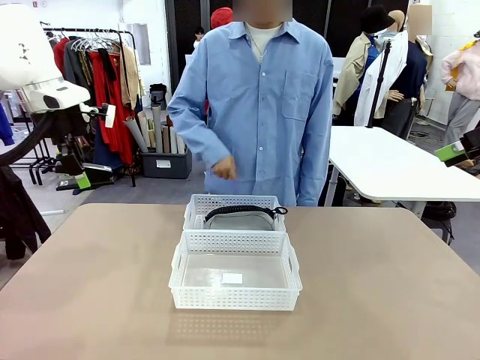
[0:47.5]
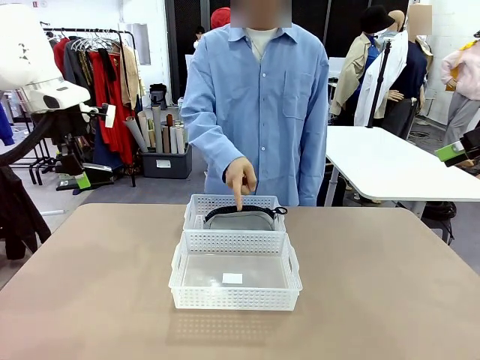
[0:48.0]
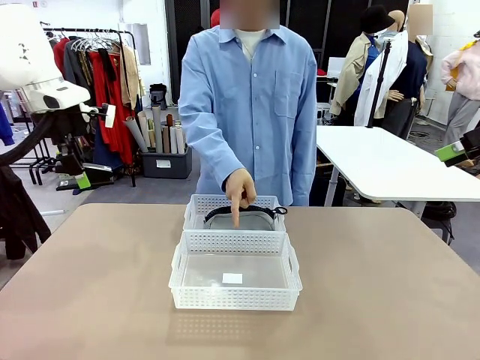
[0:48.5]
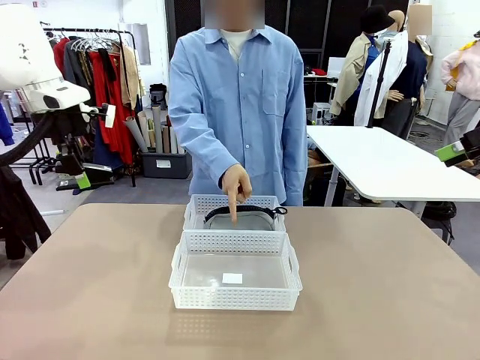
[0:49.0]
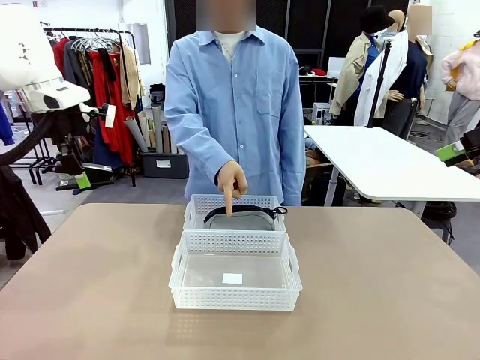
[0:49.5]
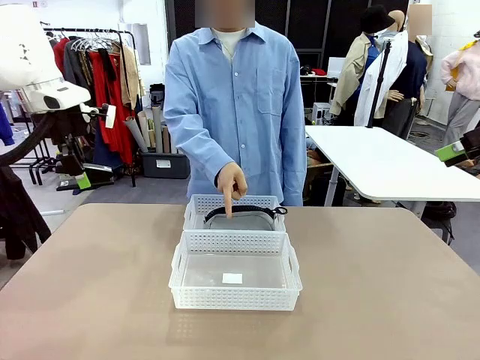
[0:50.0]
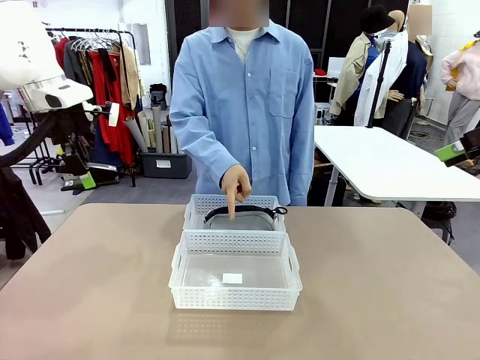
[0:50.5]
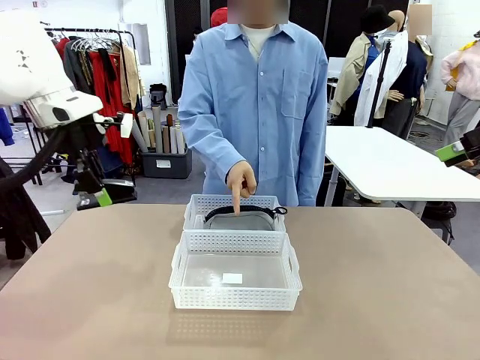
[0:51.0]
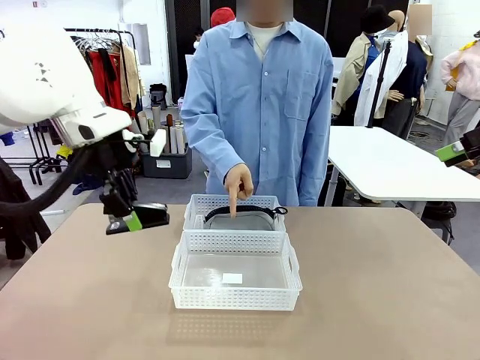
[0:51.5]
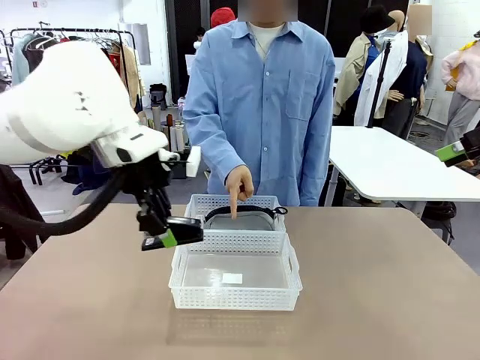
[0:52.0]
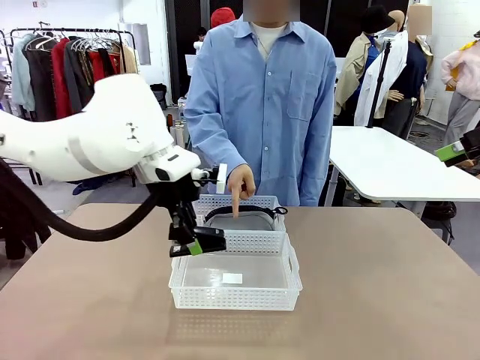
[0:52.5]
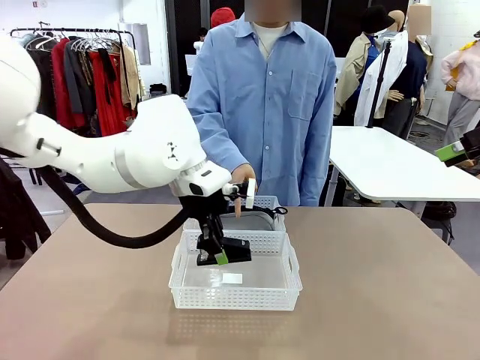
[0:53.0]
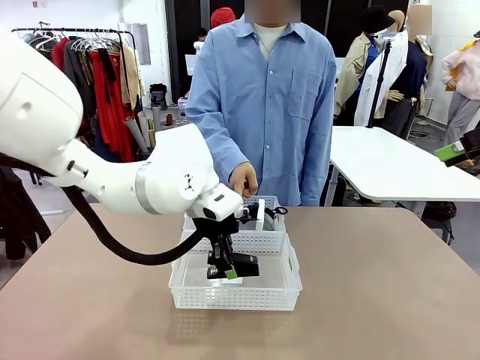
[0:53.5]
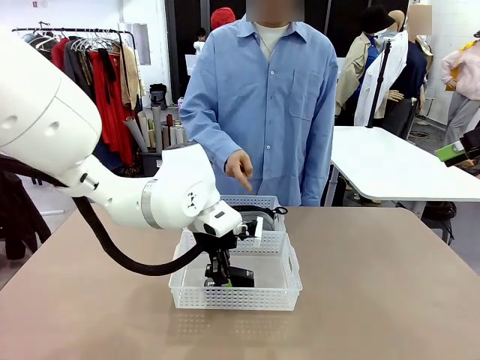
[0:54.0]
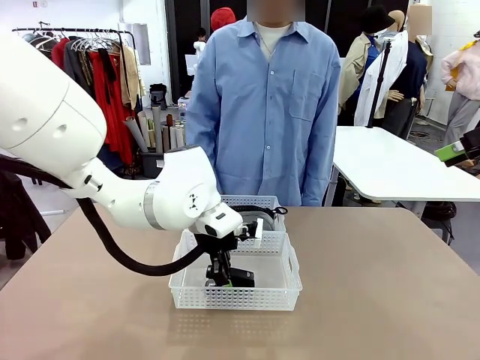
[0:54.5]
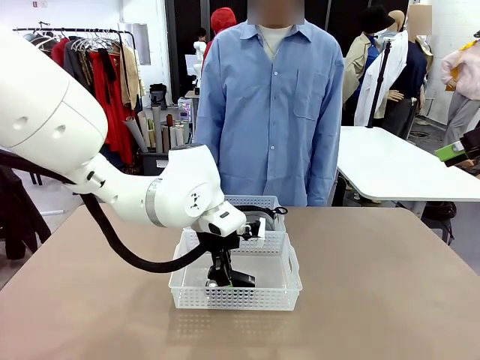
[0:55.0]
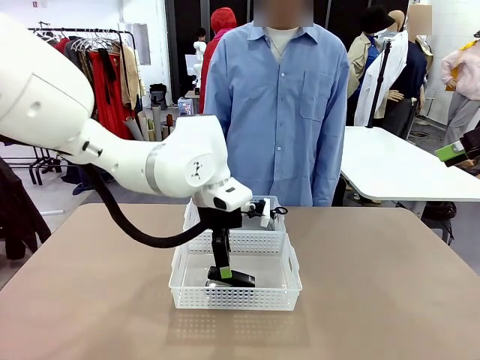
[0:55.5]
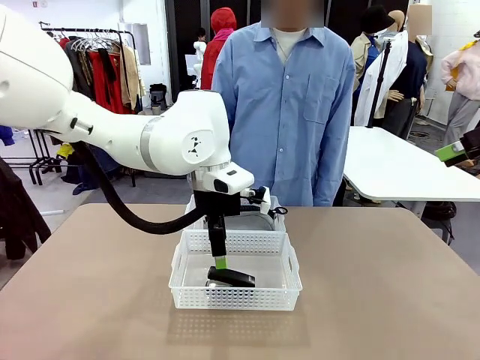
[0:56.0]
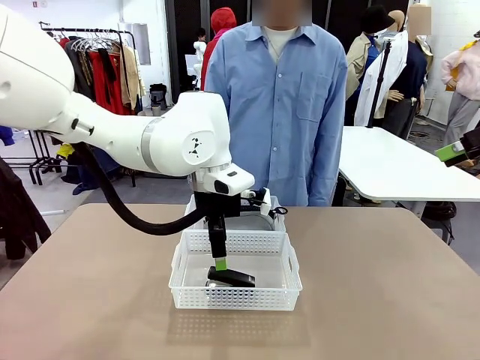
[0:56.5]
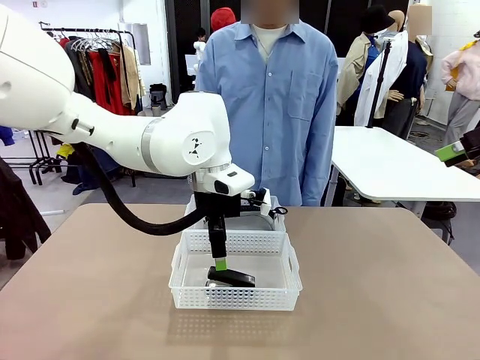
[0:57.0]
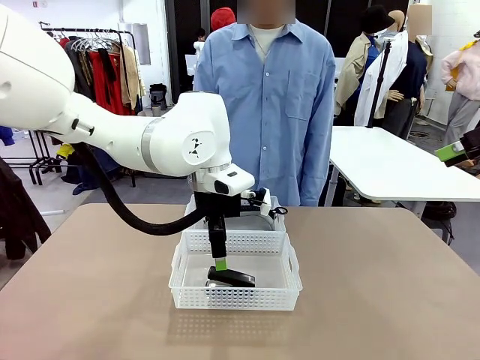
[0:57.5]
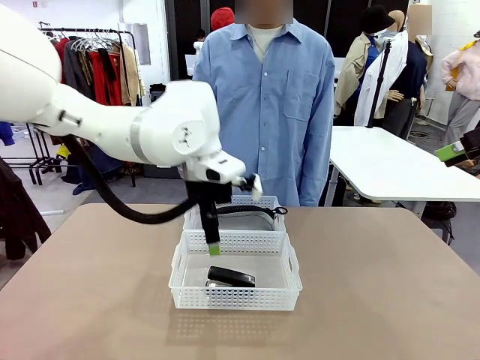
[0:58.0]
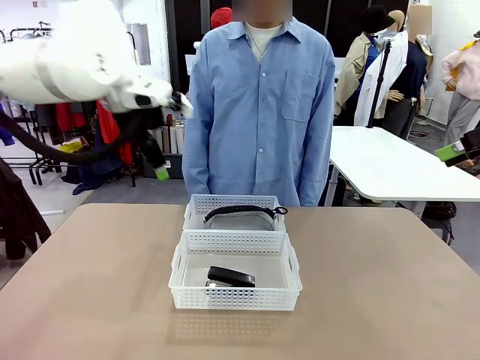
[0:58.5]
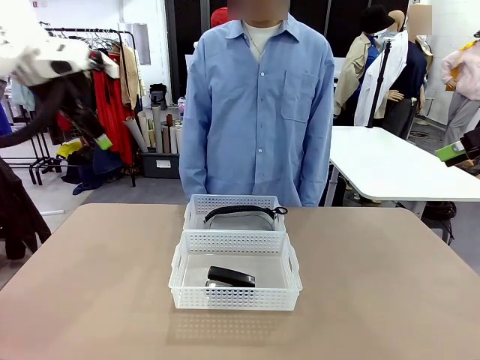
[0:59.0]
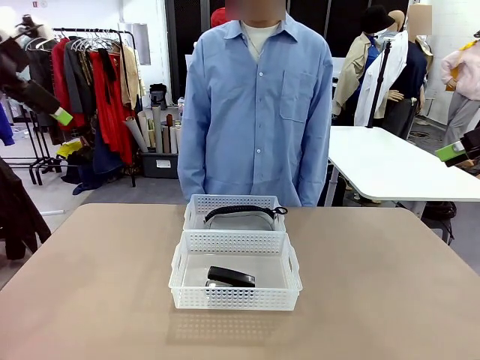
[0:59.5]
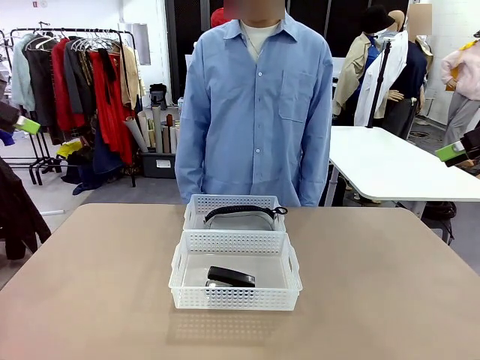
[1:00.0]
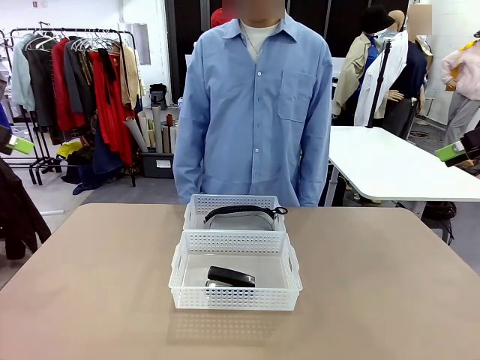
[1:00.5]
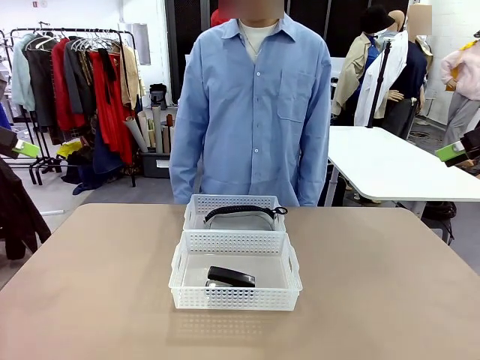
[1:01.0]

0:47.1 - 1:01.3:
Task: Distribute items into two baskets.
Robot: Place the picked Stapler into the Organizing basket as instructed by the person.
Person: Points to the basket that does not contain the pencil case and instructs the robot to move the stapler there.

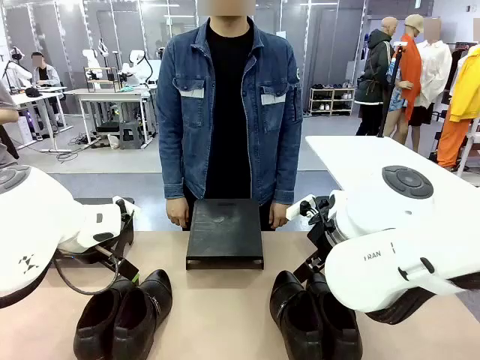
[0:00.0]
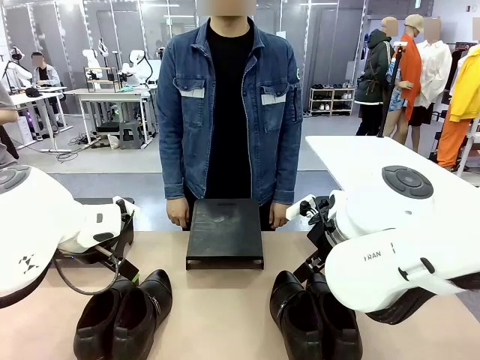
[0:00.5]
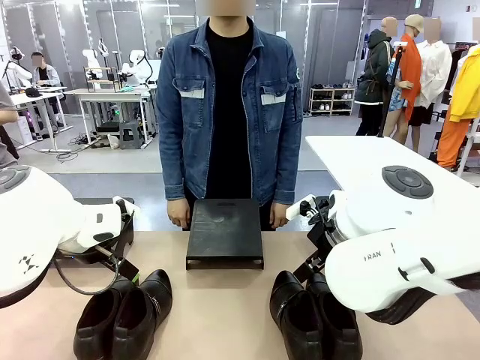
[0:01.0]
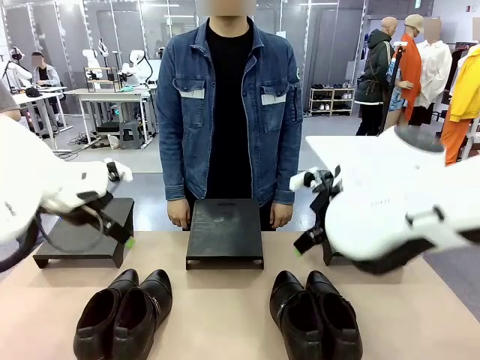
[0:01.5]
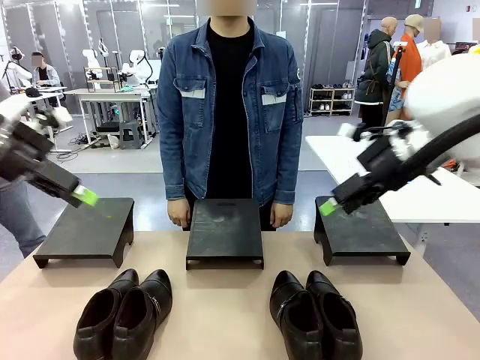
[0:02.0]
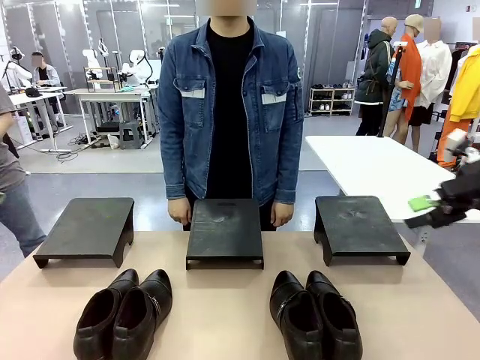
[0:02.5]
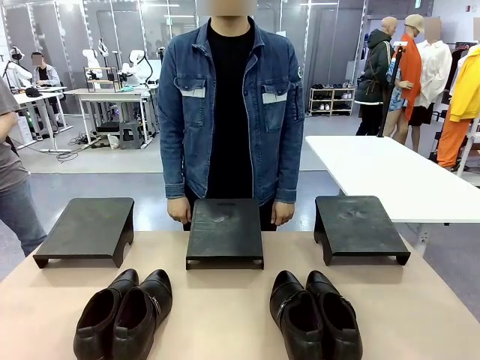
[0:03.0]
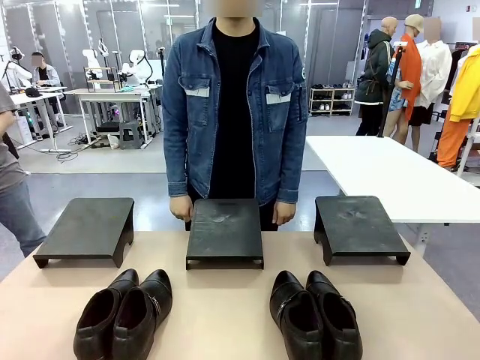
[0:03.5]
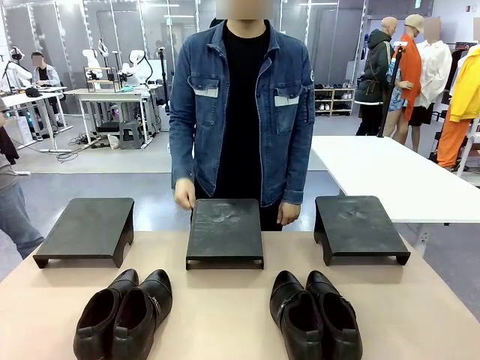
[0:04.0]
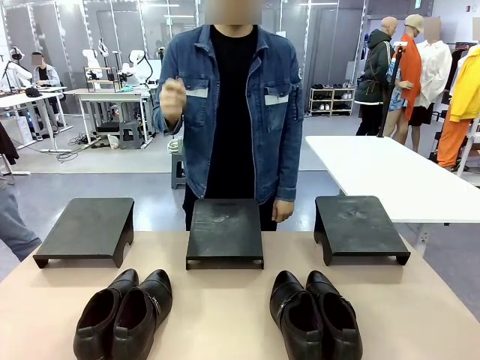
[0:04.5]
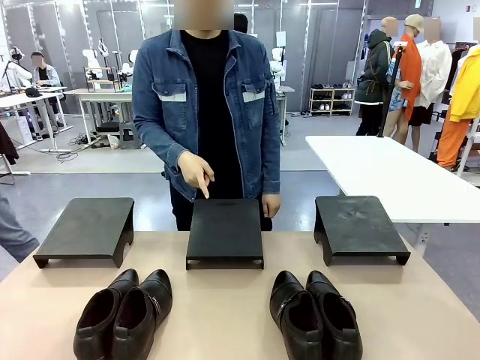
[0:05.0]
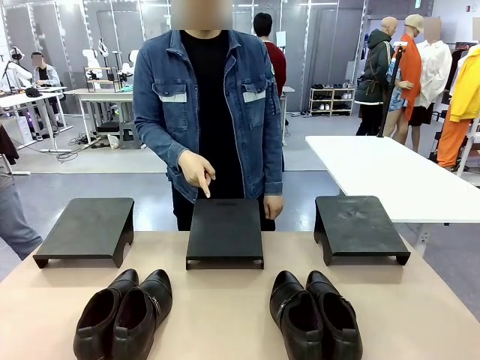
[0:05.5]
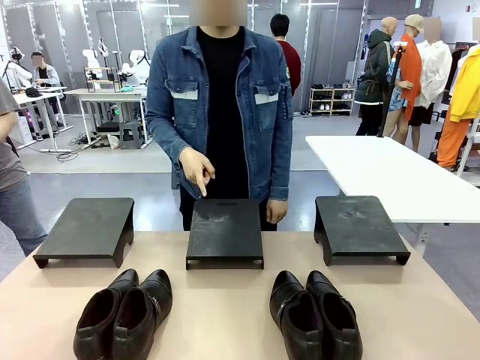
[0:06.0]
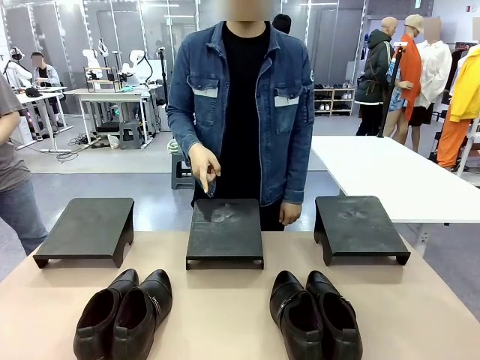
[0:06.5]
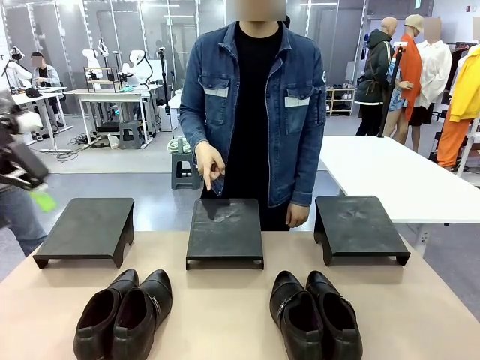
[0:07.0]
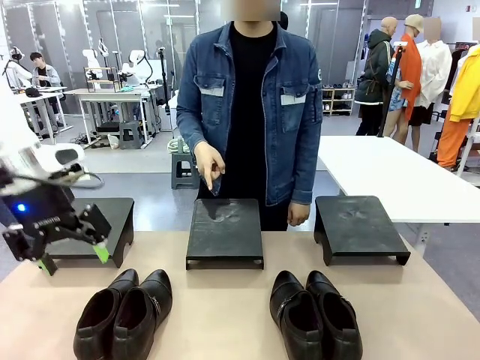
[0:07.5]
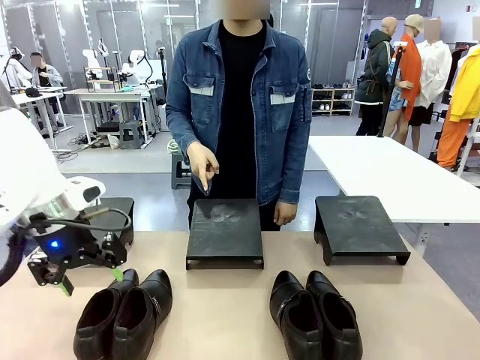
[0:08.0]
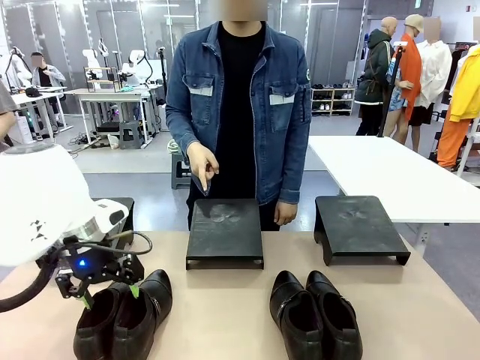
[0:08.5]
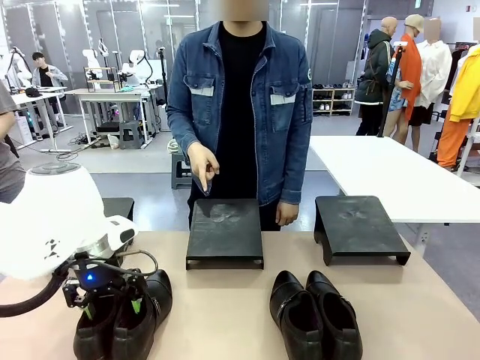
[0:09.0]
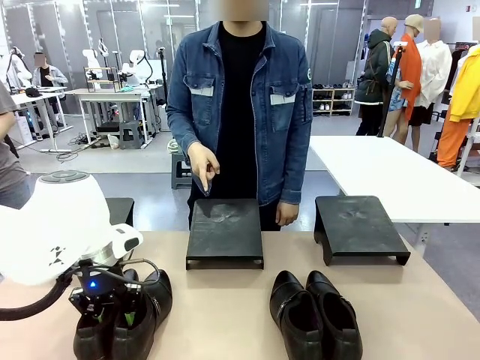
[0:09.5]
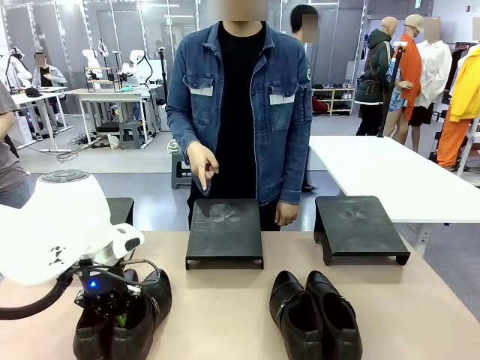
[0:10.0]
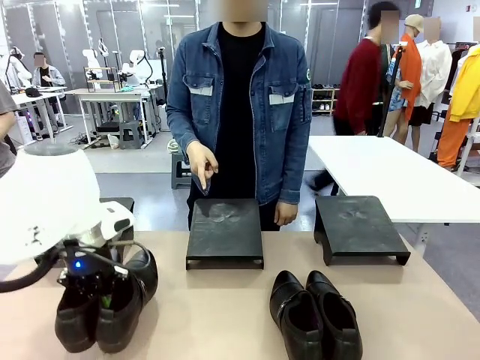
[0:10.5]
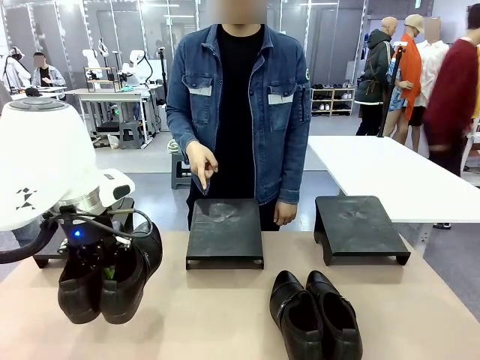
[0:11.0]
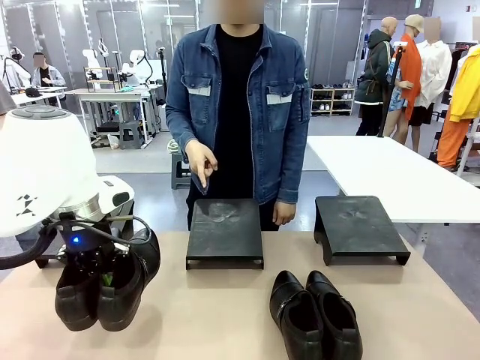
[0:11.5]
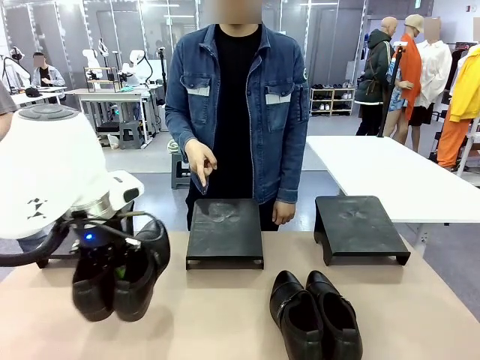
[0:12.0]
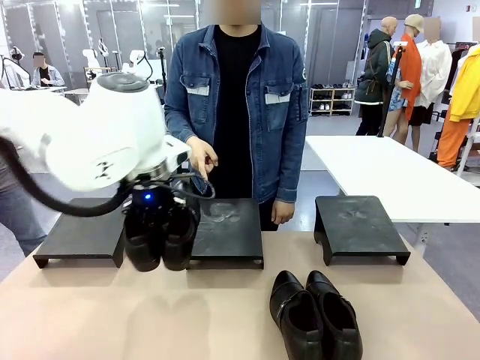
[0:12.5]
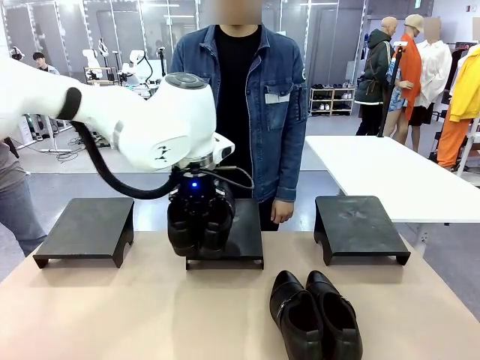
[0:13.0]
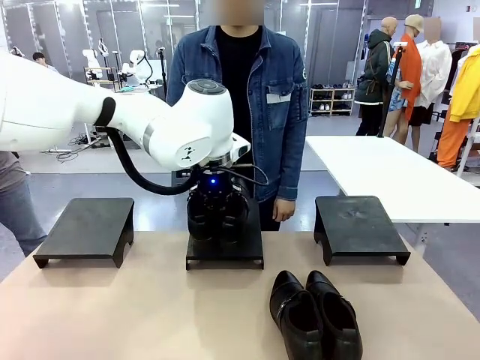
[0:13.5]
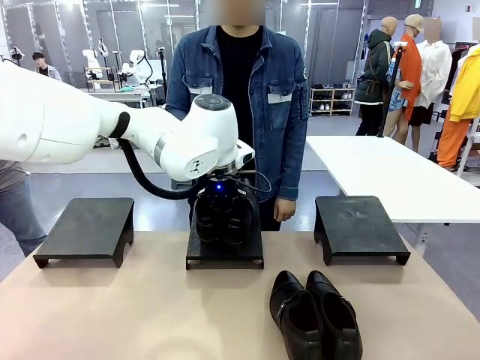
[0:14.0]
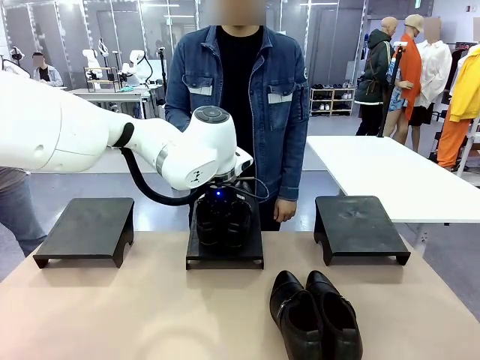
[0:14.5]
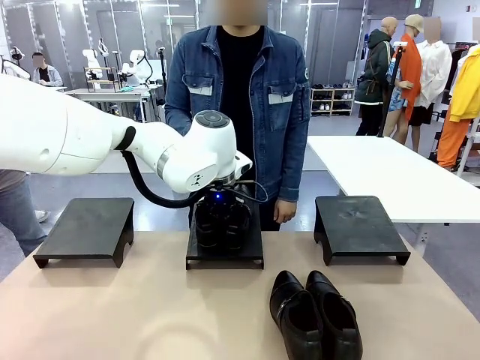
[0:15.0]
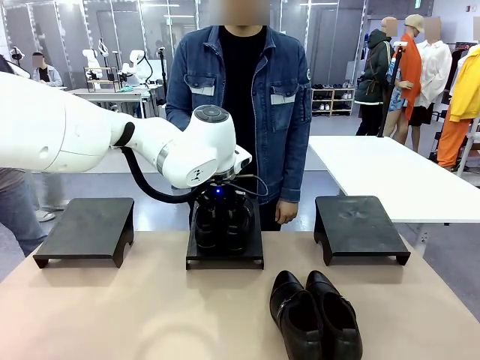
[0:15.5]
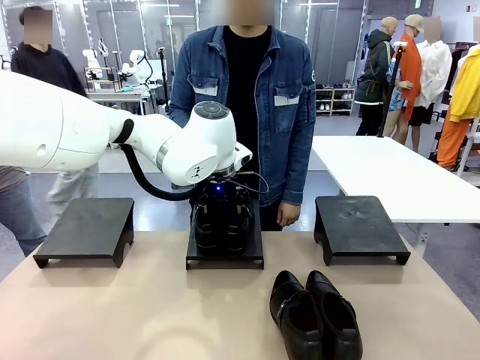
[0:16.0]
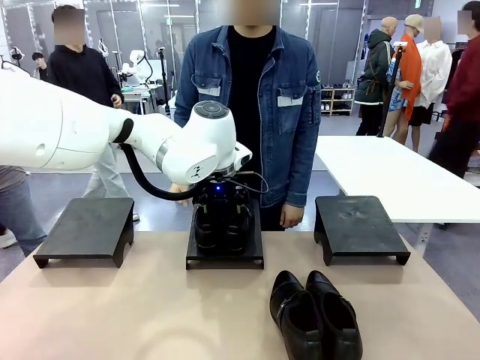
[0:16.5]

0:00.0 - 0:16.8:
Task: Place the shoes on the stand as instructed by the person.
Robot: Pick up one pair of Shoes and place it on the Shoes Stand indicated by the person.
